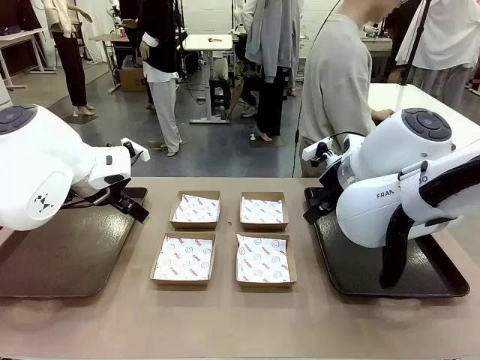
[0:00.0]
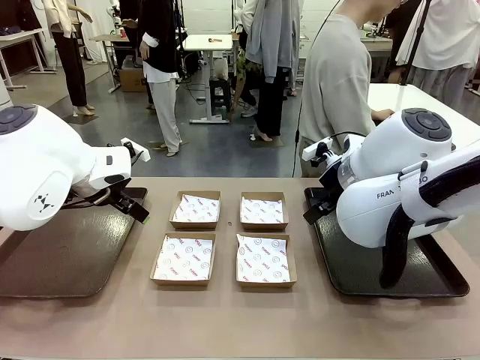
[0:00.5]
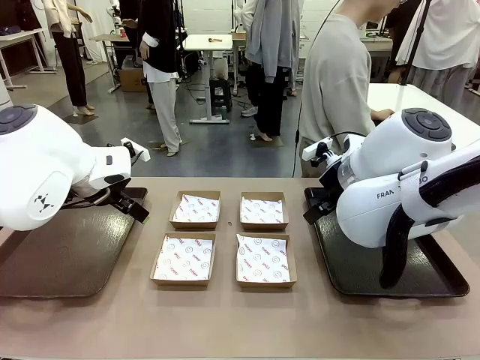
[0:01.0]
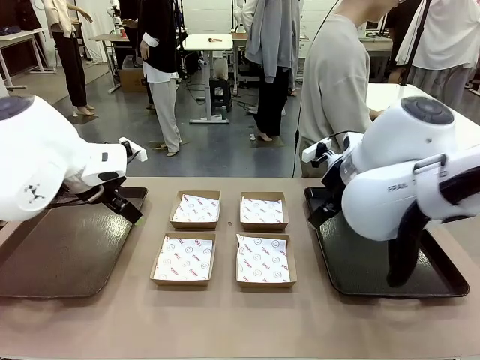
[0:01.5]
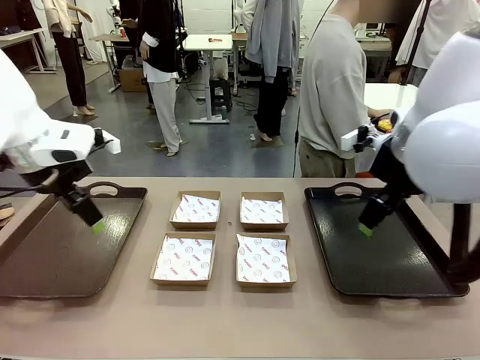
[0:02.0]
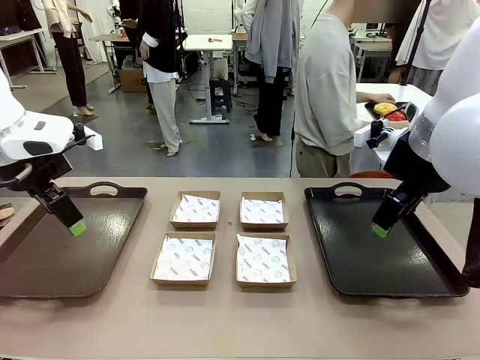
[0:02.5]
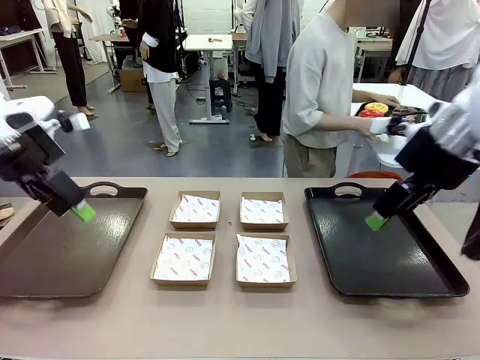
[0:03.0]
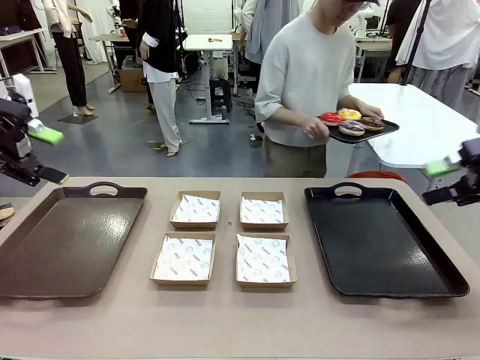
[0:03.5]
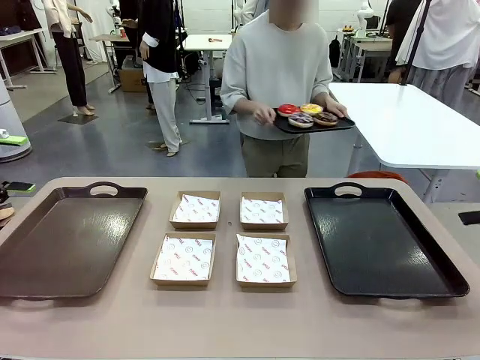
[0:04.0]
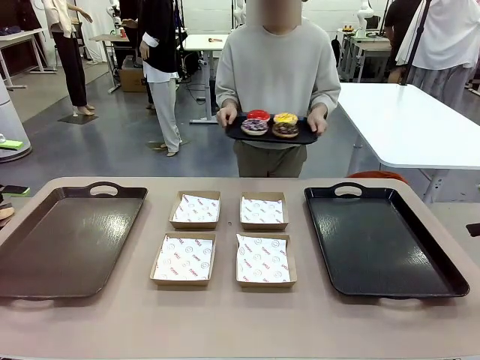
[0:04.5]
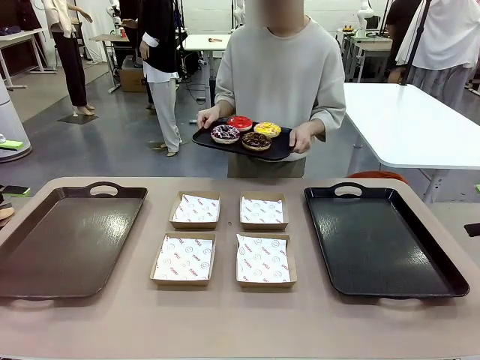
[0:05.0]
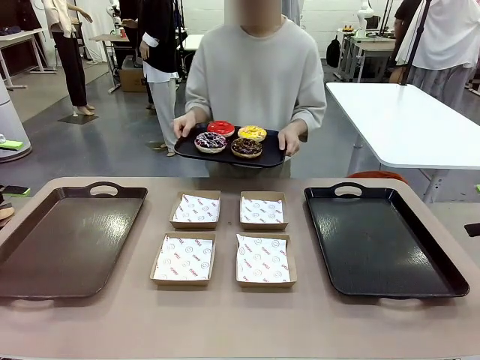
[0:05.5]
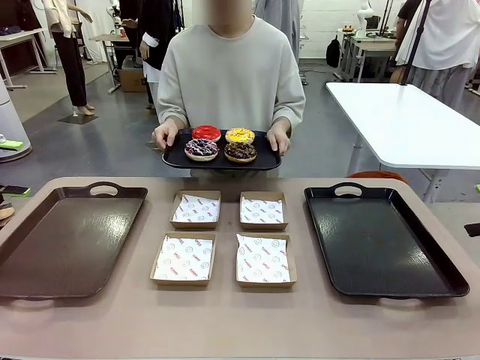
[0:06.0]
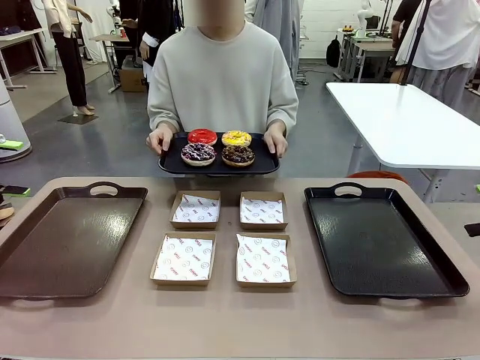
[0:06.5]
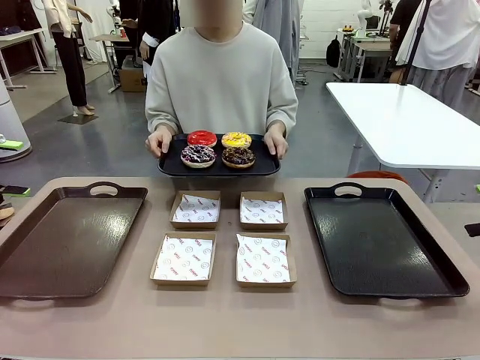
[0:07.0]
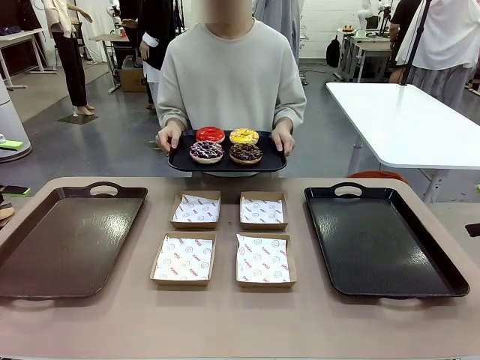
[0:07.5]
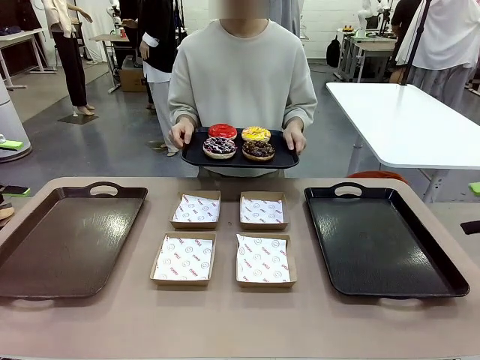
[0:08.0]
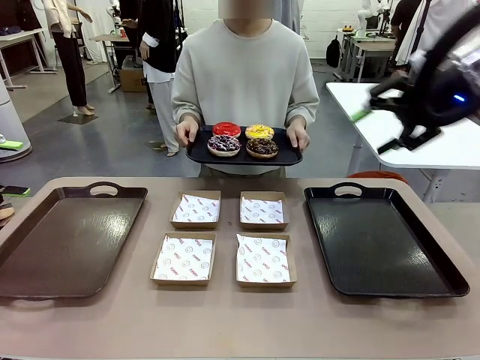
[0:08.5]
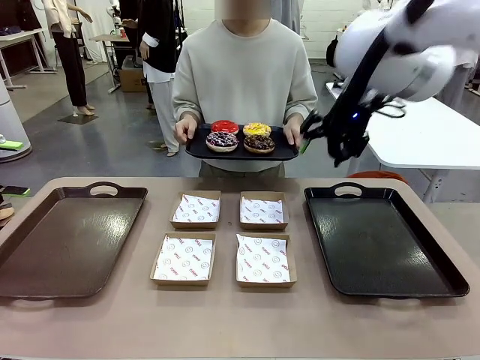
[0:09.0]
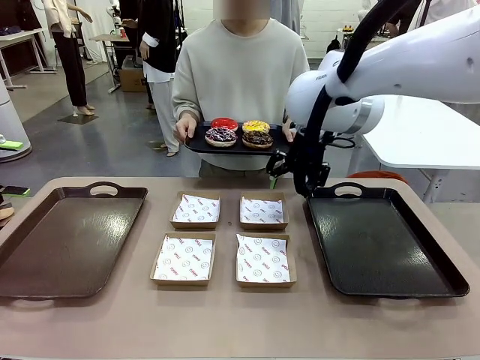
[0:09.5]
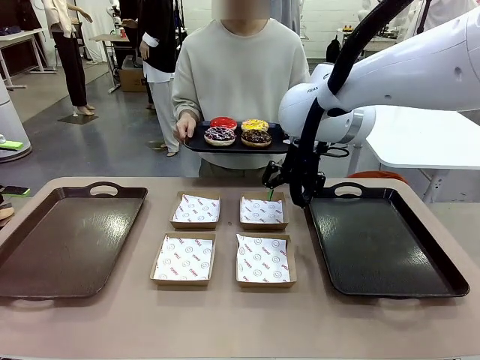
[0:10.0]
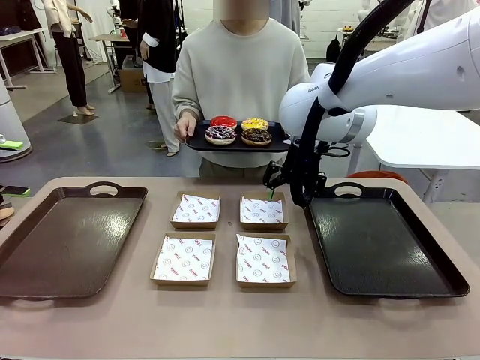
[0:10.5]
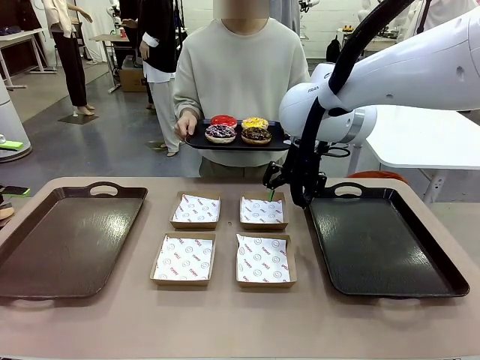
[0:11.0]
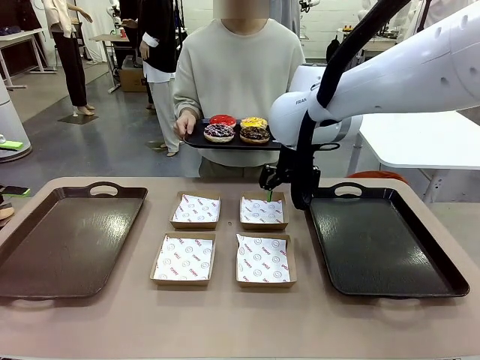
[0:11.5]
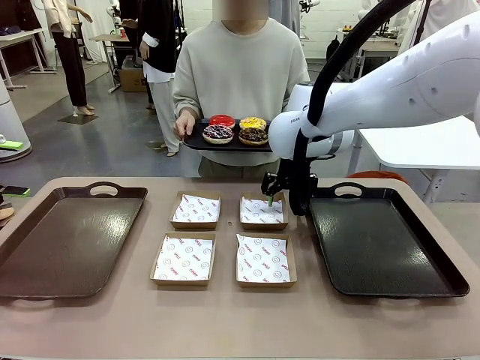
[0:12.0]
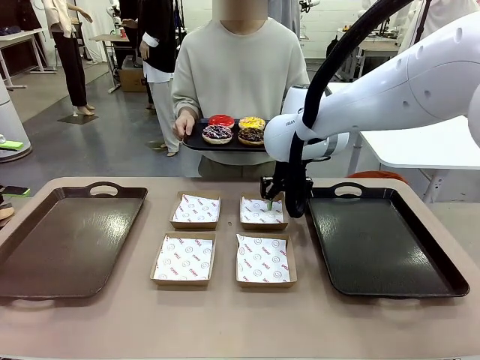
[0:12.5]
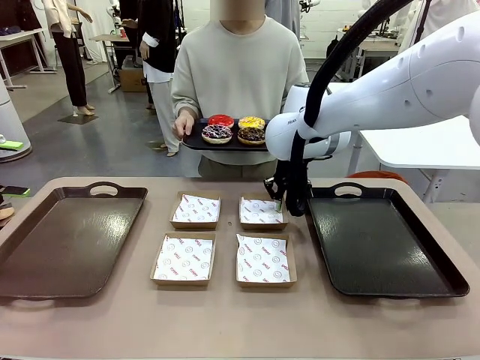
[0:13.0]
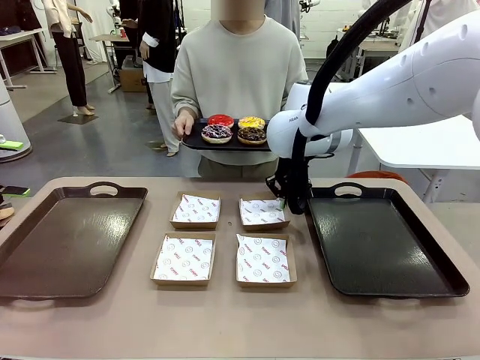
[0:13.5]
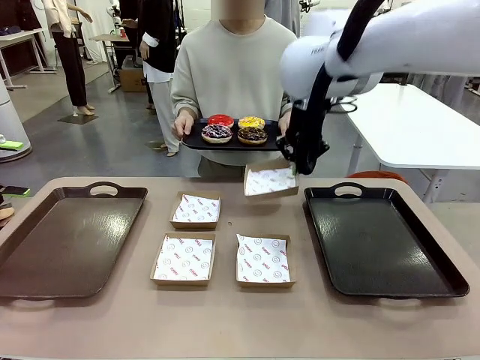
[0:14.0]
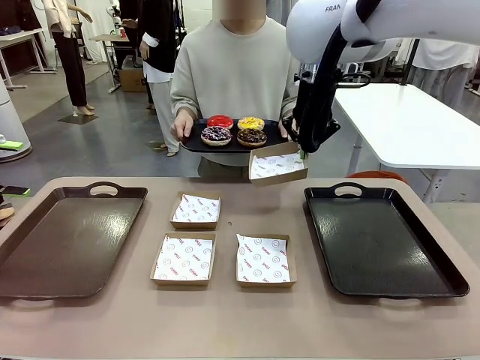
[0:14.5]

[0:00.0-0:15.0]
Task: Individually package the donuts and arrange them on the tray.
Robot: Pick up one Paper togo box.
Person: Stand in front of the robot table holding the tray containing the donuts.

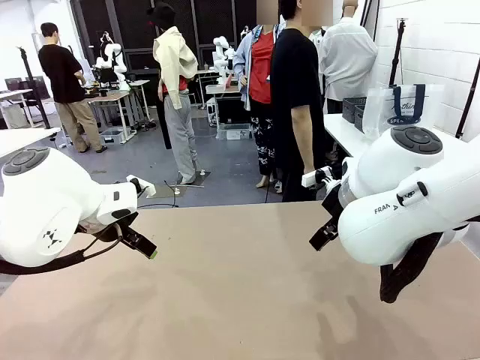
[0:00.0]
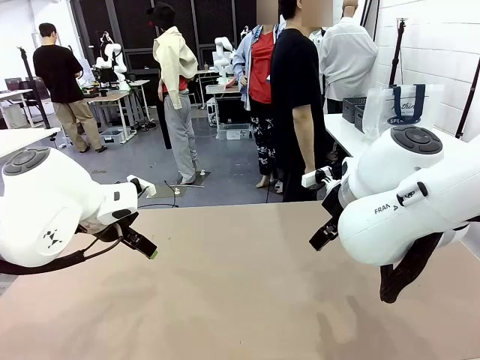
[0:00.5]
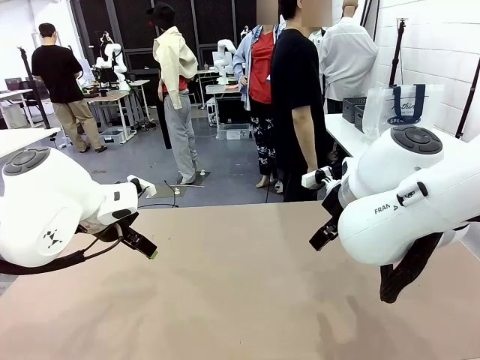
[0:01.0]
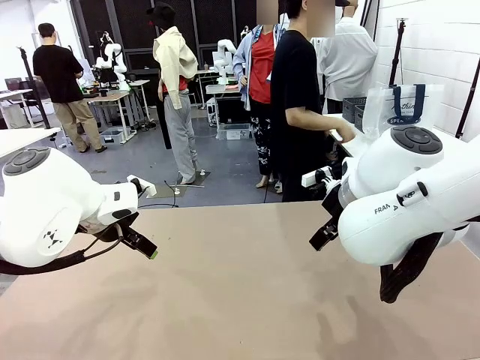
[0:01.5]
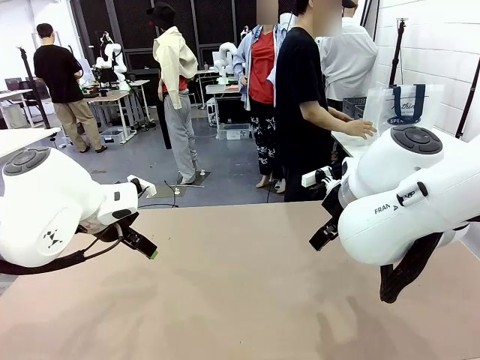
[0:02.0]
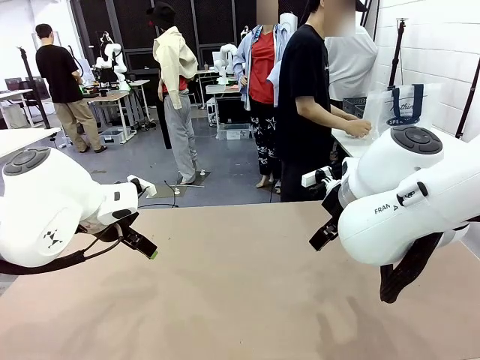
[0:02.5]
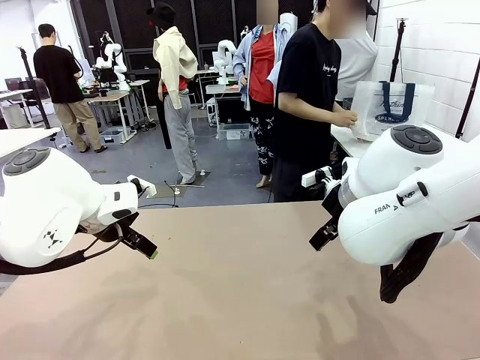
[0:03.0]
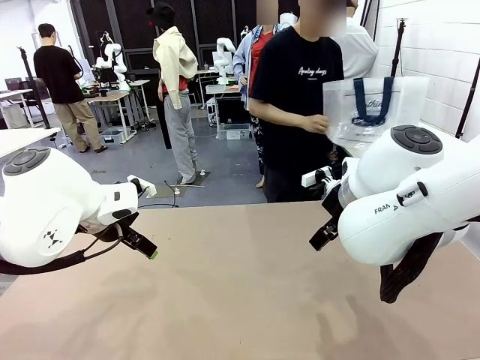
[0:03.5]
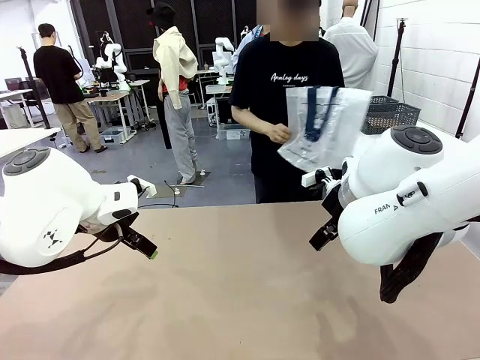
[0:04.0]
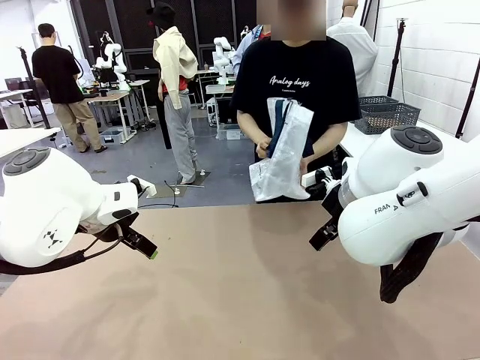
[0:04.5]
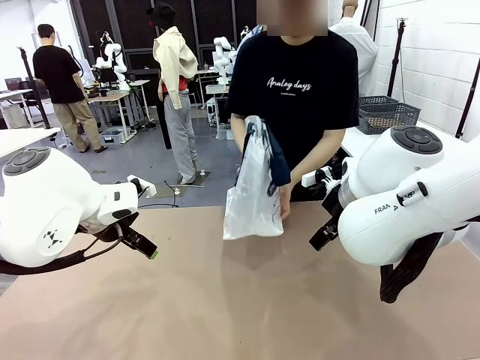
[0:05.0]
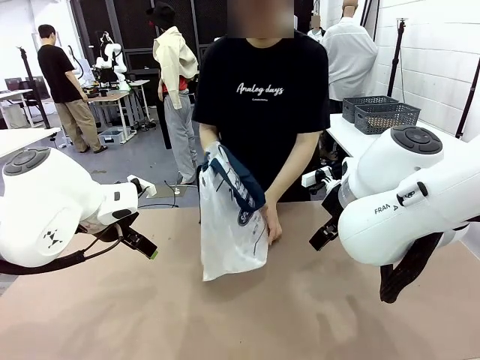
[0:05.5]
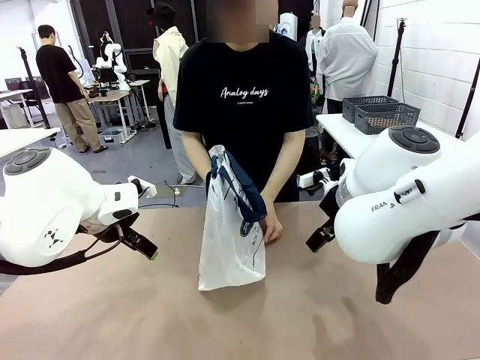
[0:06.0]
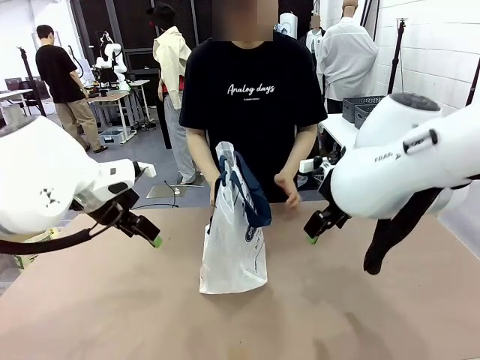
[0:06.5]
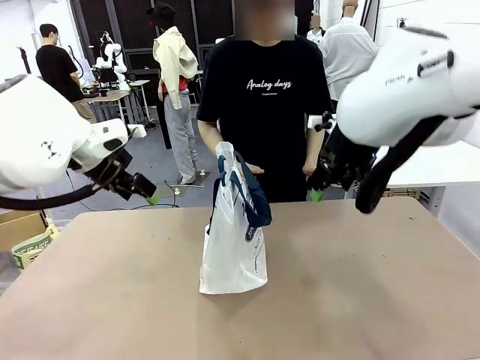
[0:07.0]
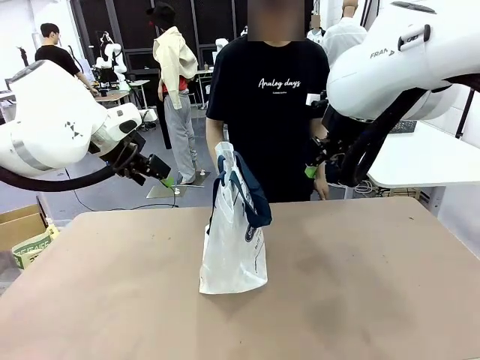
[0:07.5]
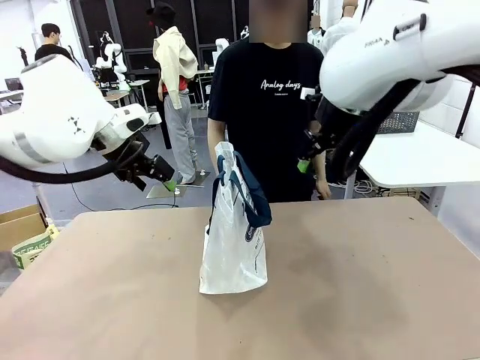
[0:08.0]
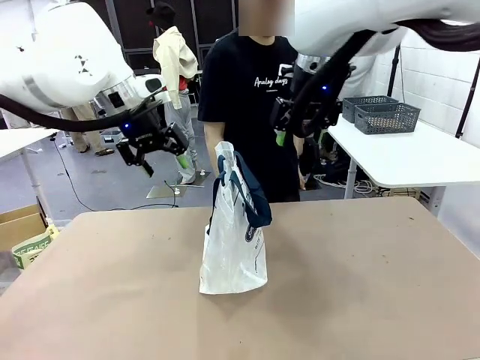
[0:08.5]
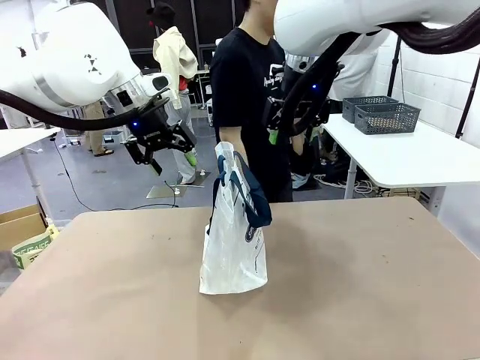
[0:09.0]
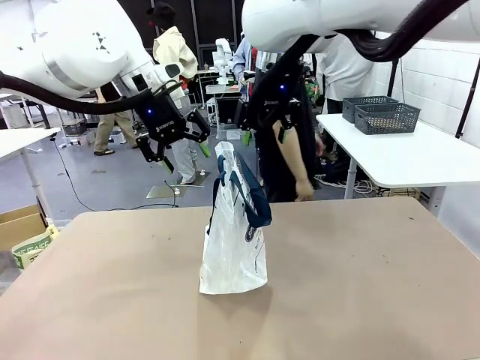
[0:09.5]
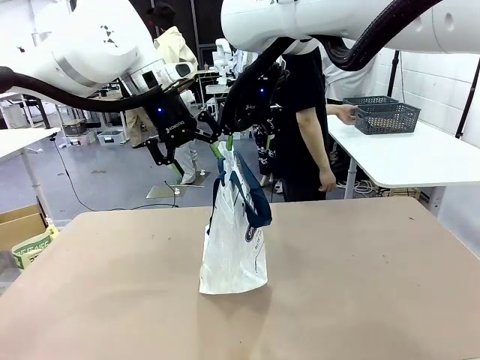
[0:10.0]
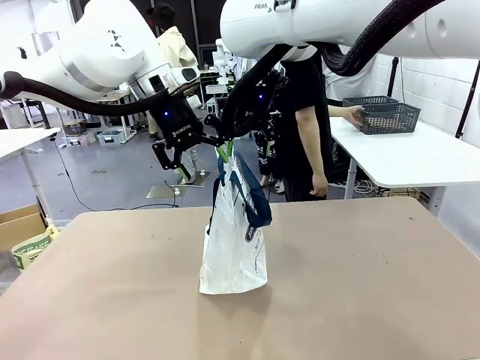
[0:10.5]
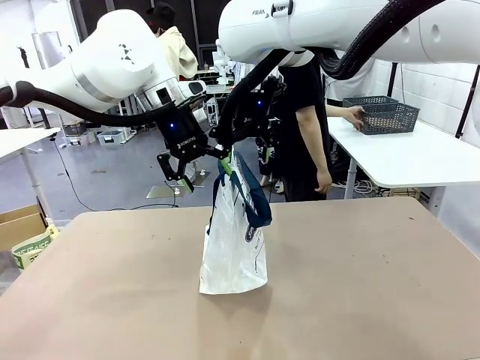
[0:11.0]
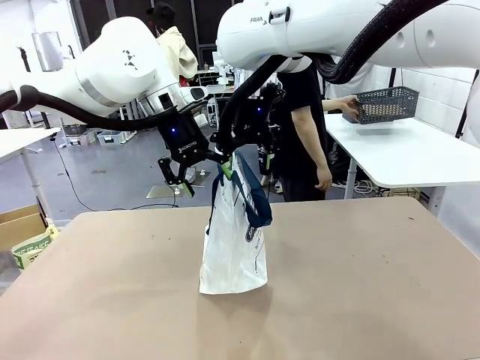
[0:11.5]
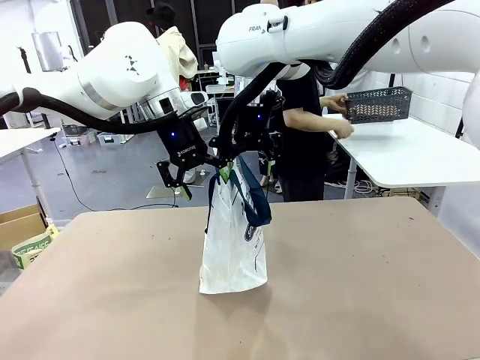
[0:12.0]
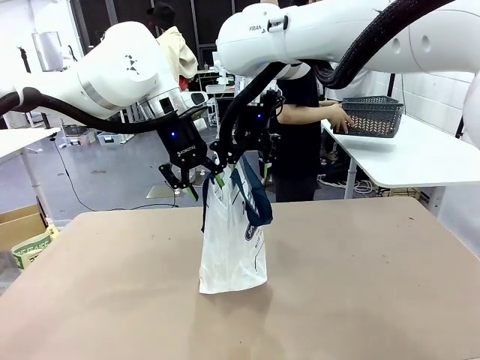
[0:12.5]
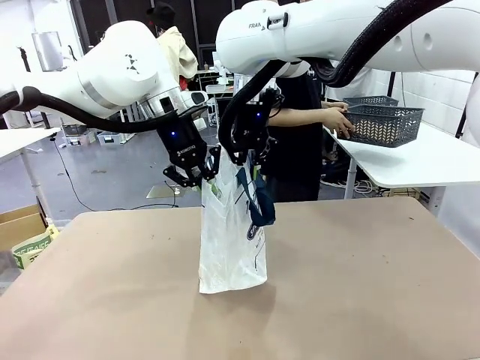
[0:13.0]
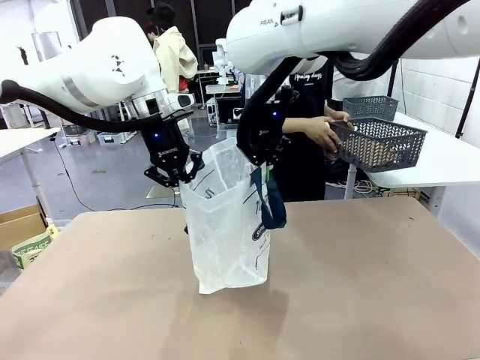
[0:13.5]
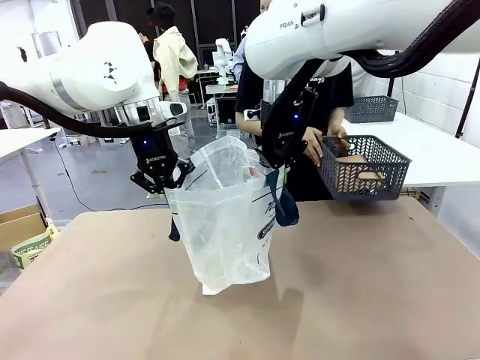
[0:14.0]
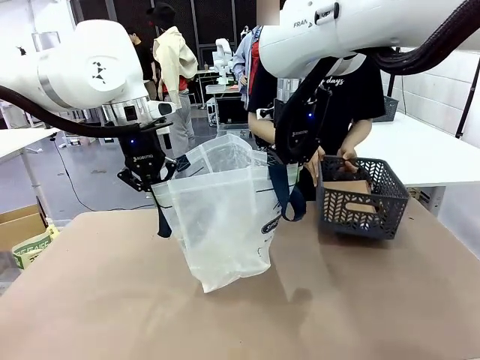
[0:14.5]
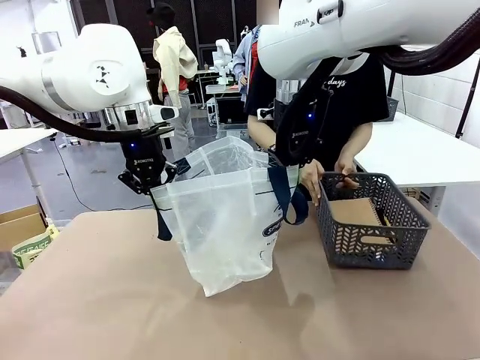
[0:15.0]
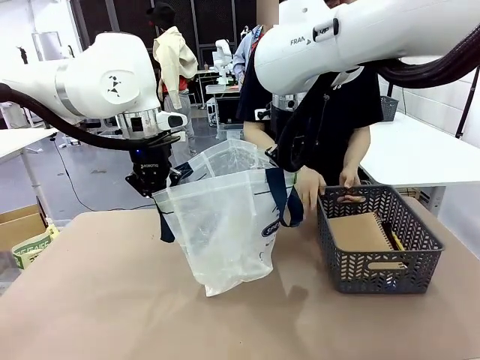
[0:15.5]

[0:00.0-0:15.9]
Task: Transfer purchased items from the store into the shopping bag.
Robot: Open the Reusable shopping bag in the center of the table.
Person: Pick up the shopping bag and place it in the middle of the robot table.
